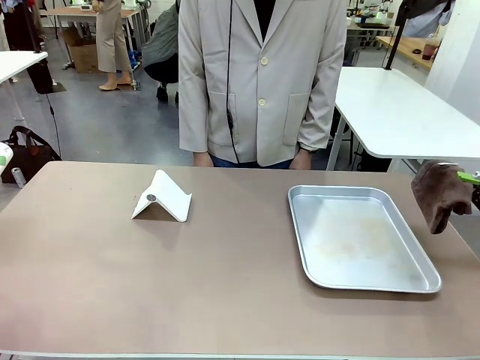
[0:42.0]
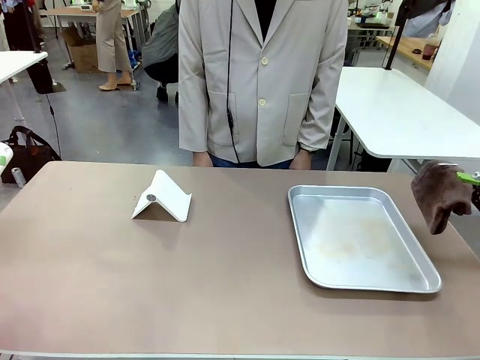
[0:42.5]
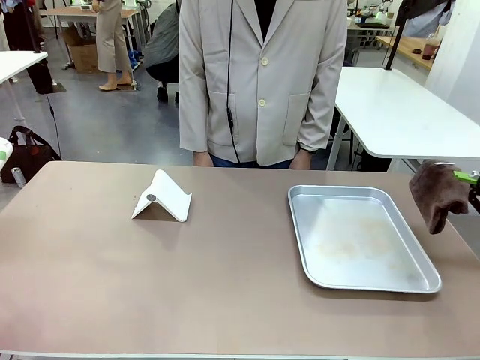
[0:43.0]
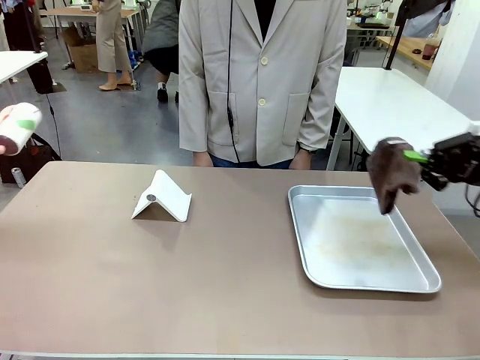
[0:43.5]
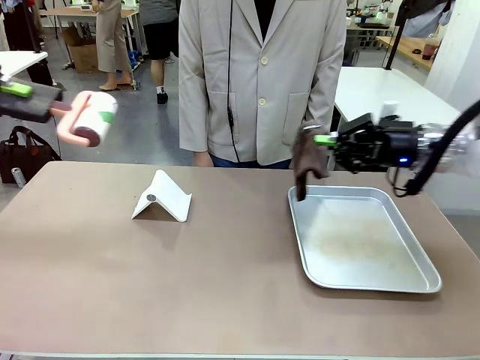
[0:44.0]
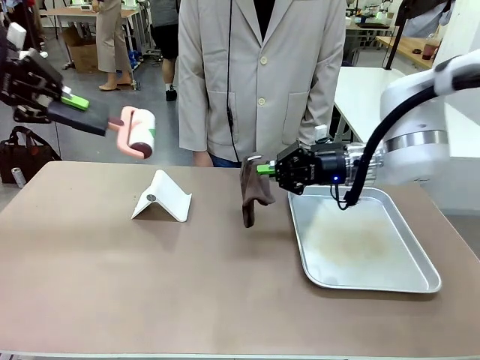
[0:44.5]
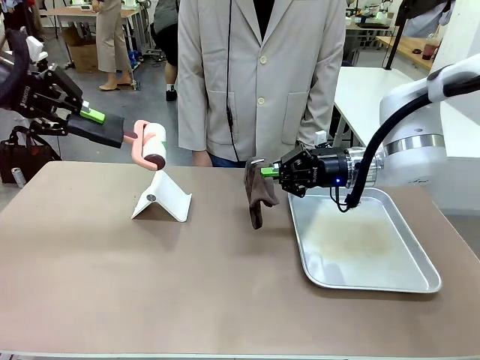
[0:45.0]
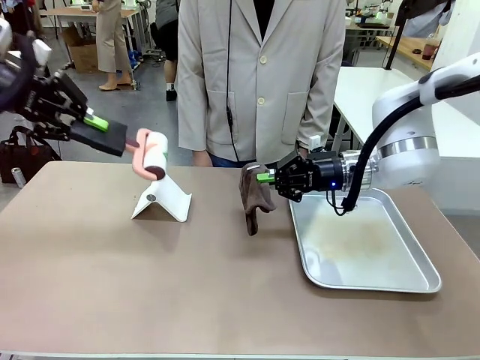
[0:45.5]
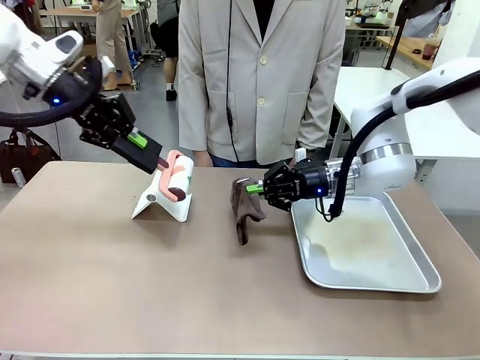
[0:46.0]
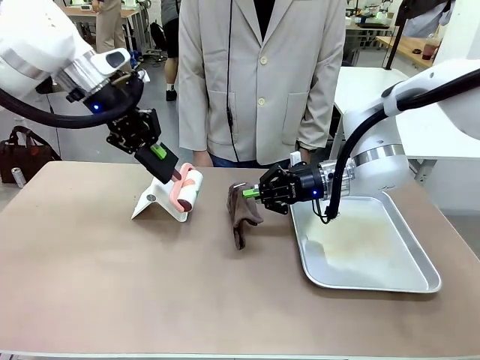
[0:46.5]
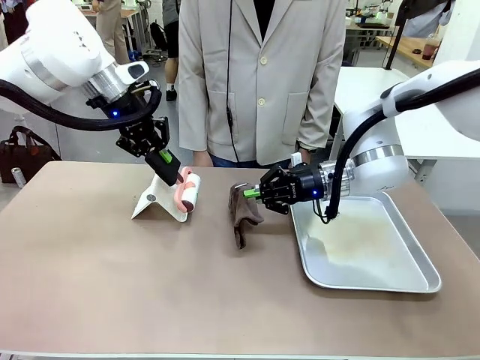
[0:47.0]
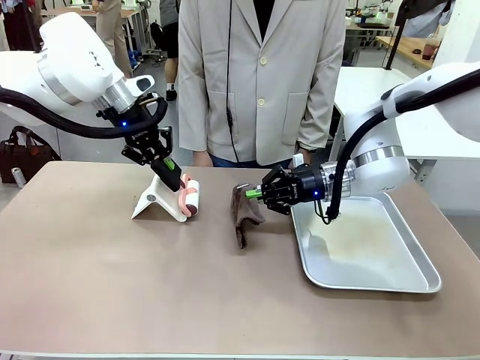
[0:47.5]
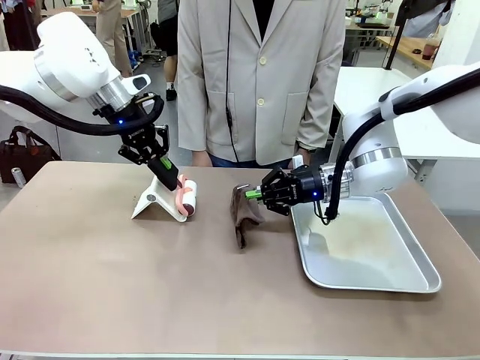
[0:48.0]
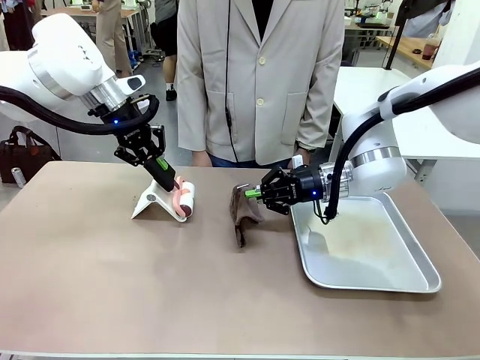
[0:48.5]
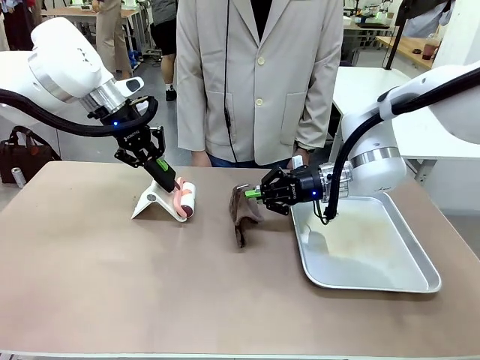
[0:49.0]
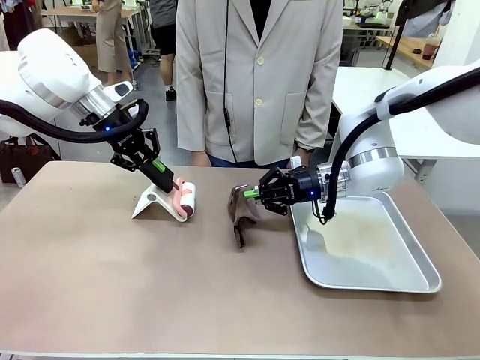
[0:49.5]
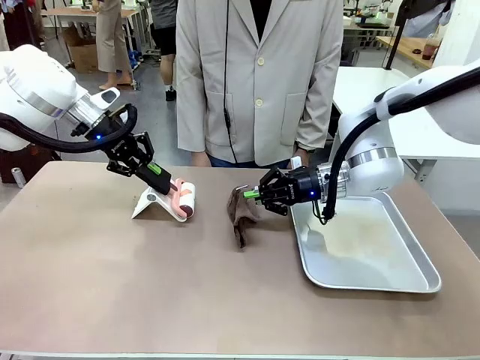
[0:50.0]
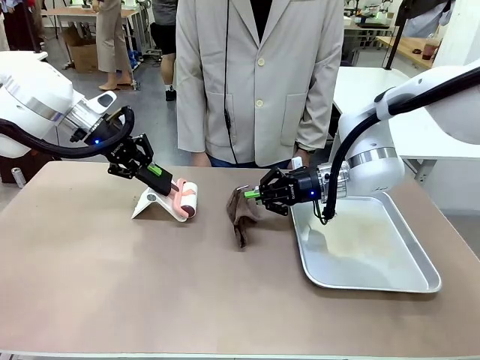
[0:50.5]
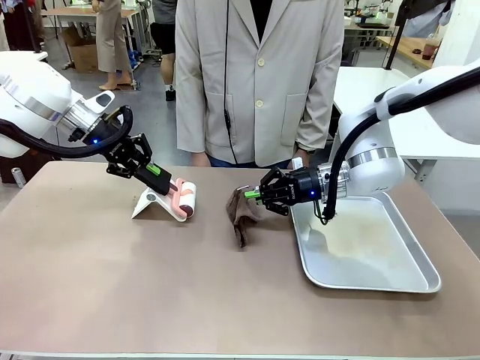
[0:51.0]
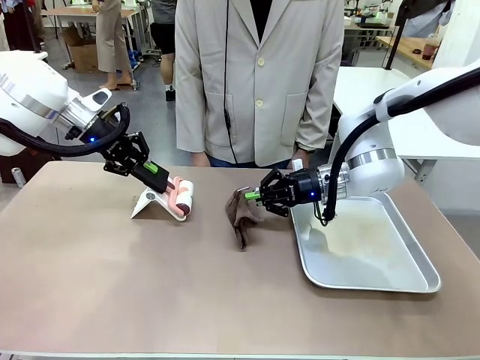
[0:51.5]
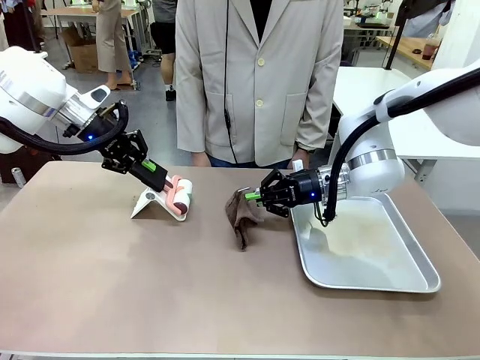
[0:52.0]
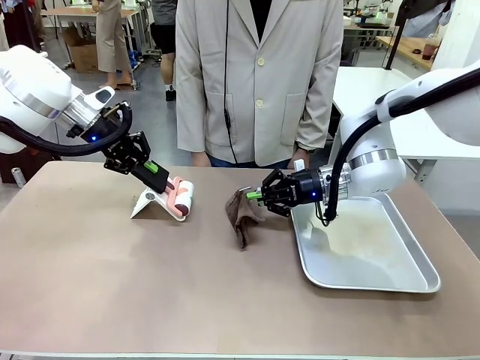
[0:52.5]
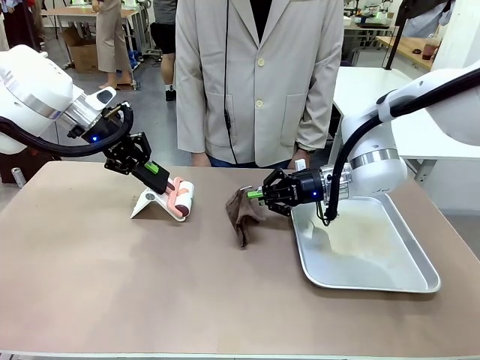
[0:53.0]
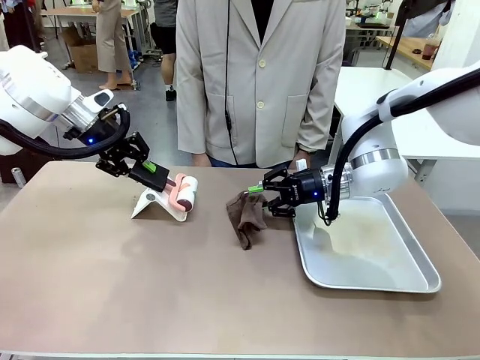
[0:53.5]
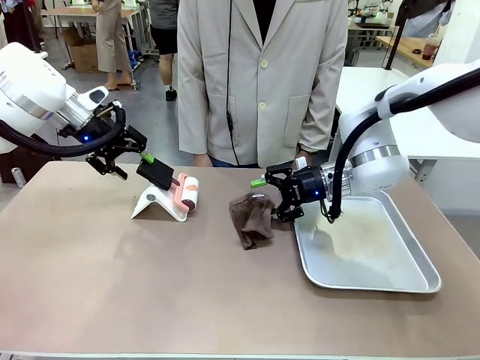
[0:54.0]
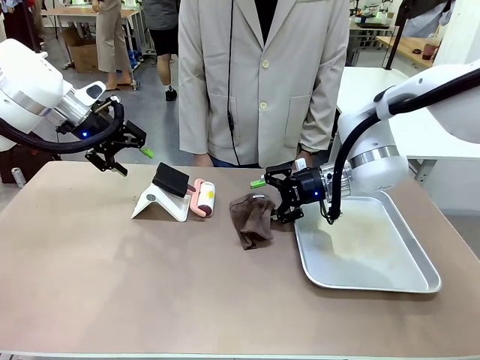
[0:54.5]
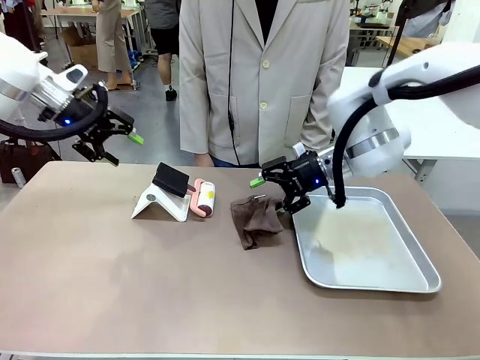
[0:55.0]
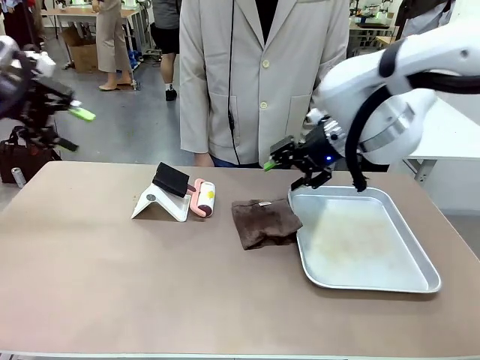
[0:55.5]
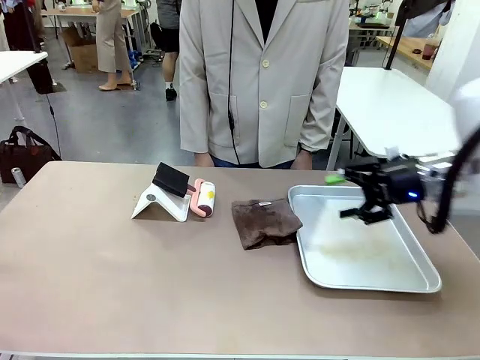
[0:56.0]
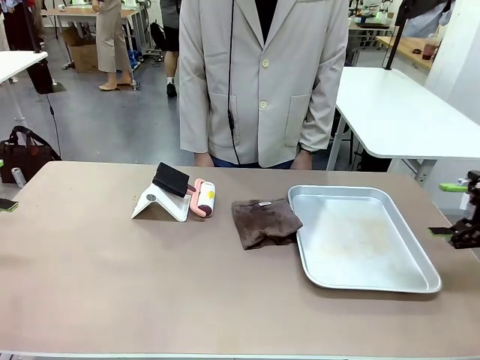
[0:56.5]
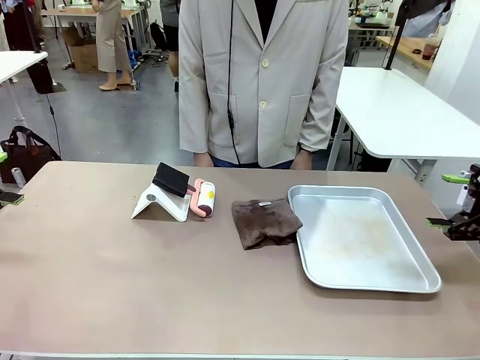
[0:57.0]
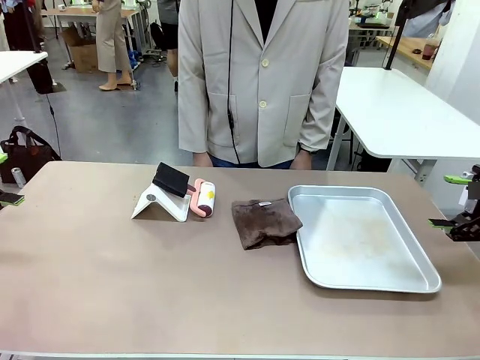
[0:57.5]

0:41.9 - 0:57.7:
Task: Clean the surface of the table.
Robot: Return the Lint Roller and towel to their original positions.

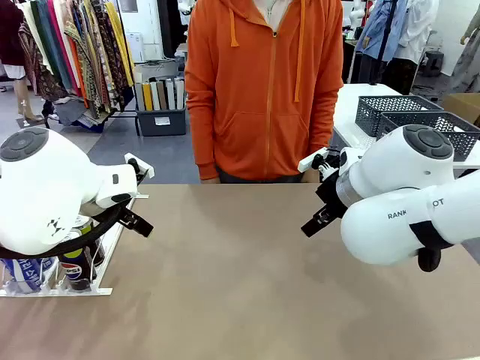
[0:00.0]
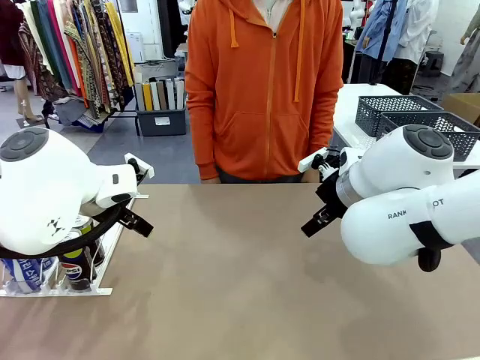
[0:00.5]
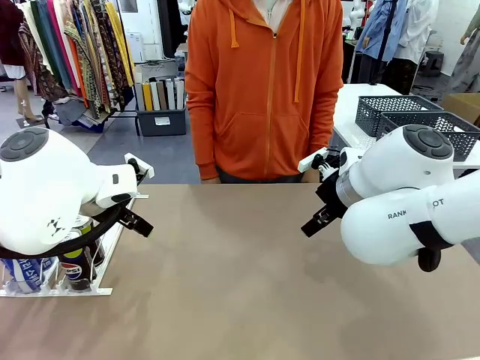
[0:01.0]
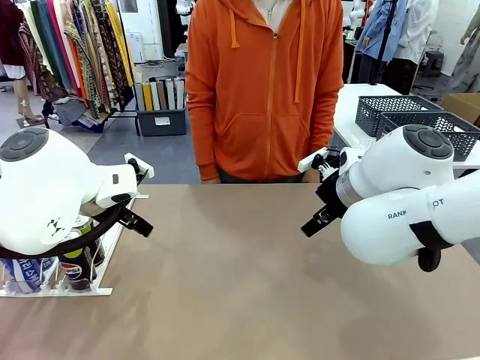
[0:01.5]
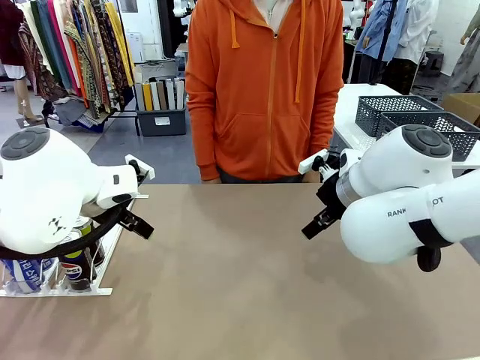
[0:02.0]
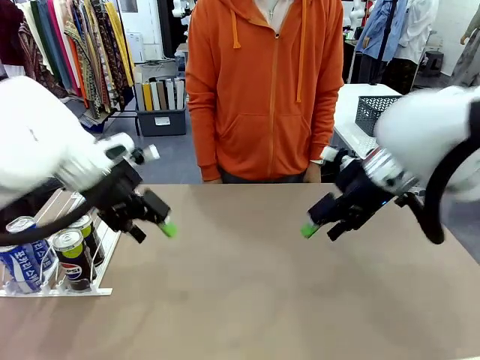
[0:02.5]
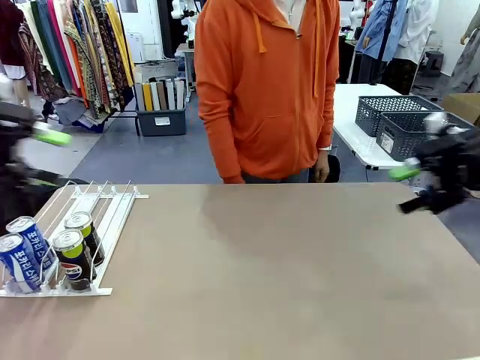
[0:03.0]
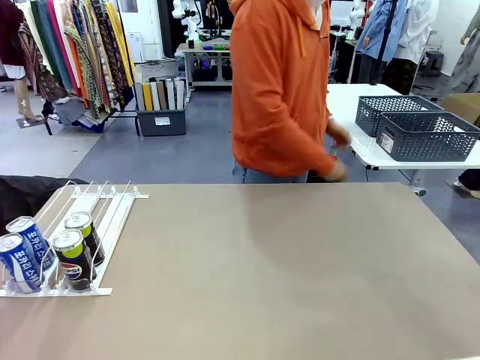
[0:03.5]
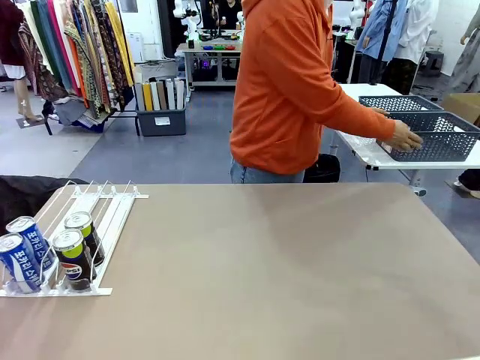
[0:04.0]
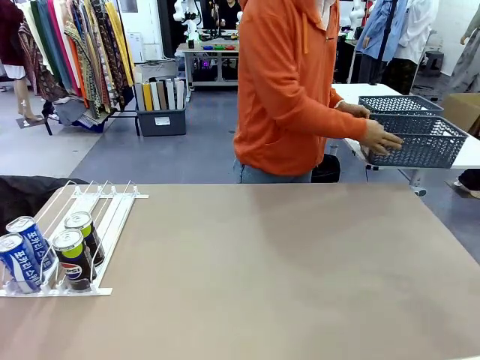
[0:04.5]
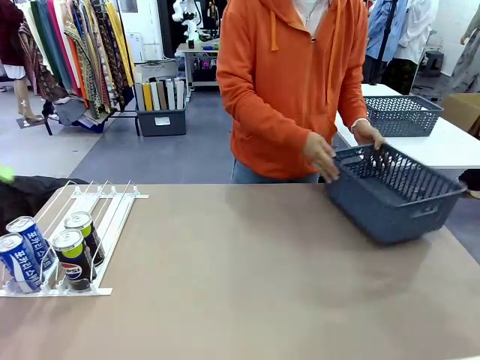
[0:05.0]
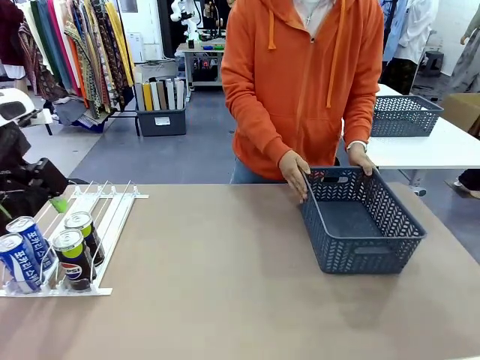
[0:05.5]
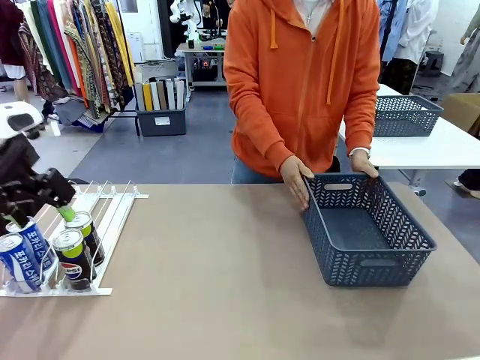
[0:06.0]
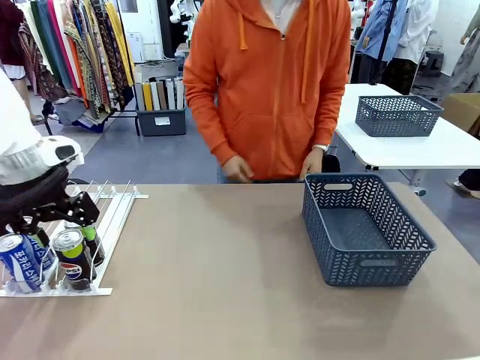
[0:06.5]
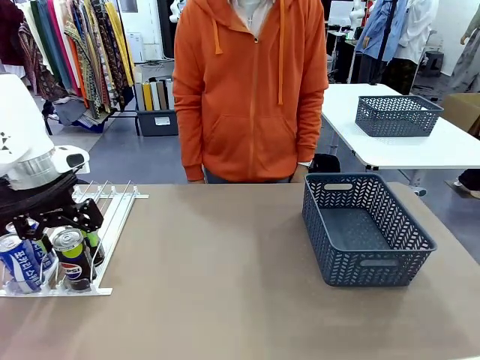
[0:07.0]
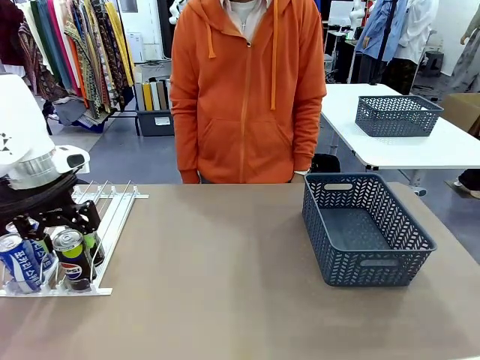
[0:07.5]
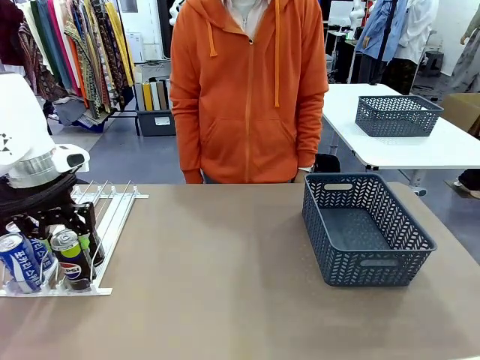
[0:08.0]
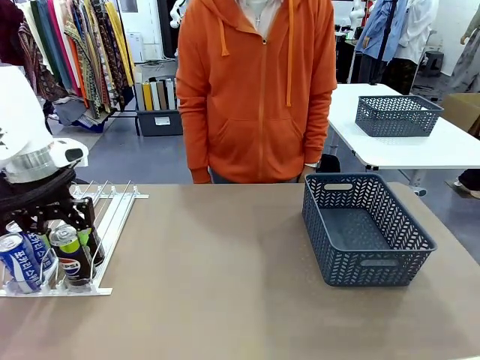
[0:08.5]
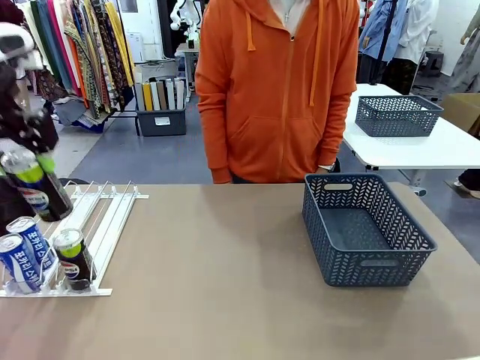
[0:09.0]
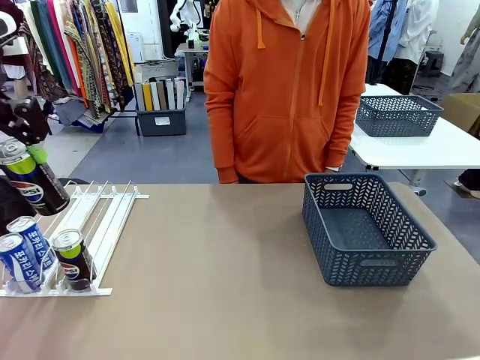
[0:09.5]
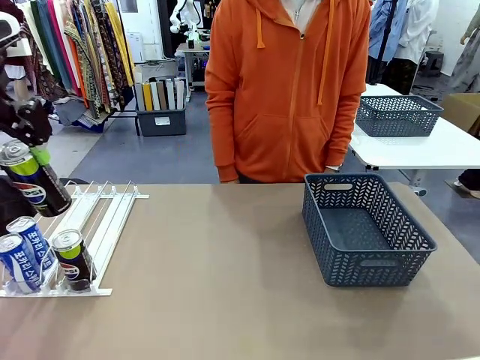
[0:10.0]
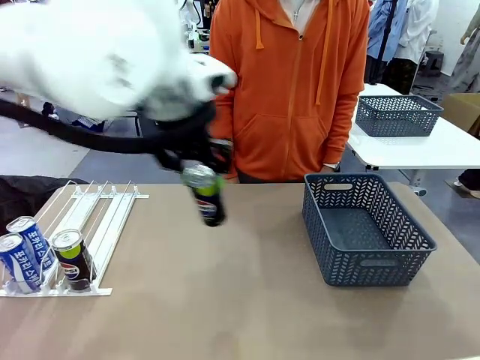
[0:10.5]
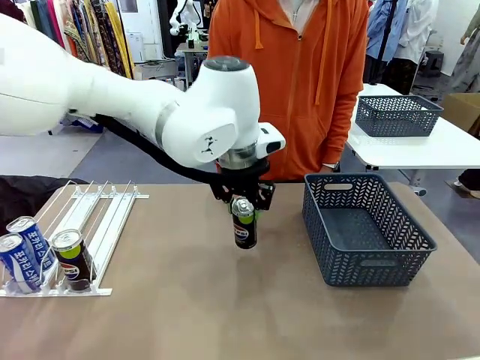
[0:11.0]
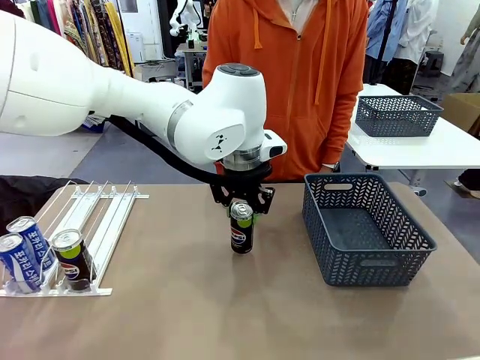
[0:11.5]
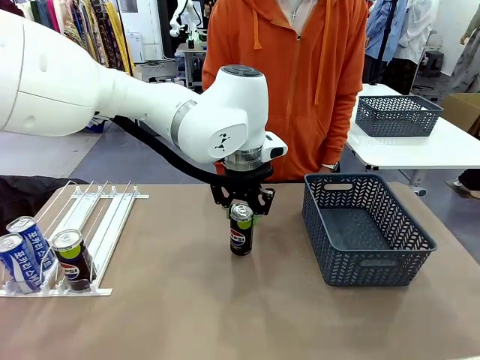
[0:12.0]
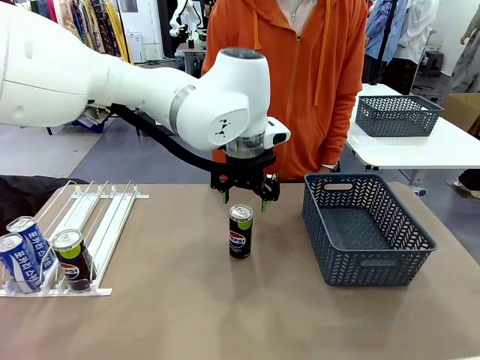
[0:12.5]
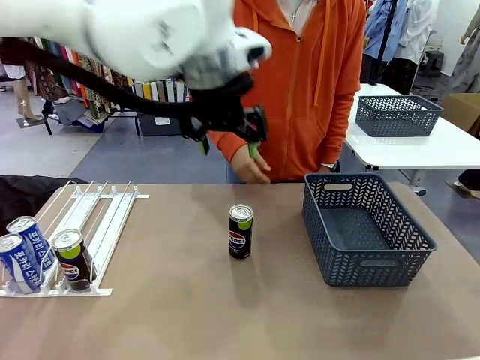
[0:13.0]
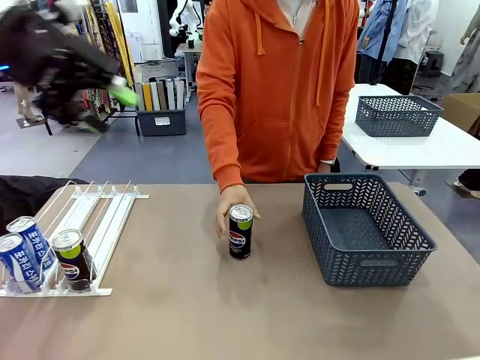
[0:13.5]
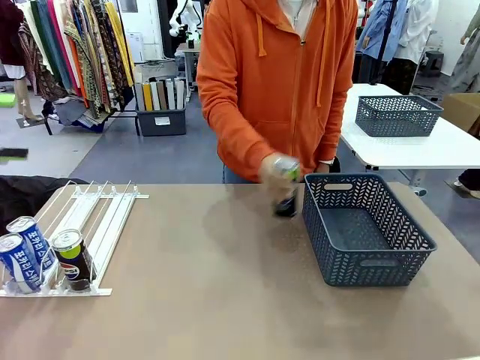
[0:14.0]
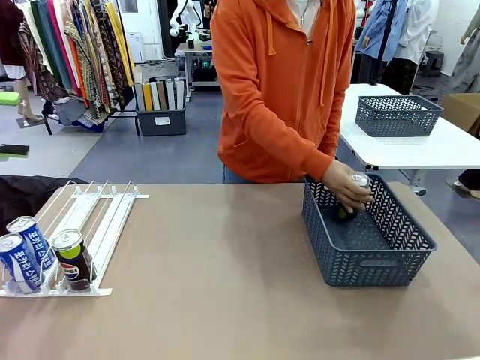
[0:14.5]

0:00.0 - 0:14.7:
Task: Retrieve and store the cans from the dispenser.
Robot: Pick up one can from the Automatic Can Dispenser and place it in the middle of the table.
Person: Pick up the basket and place it on the left side of the robot table.
